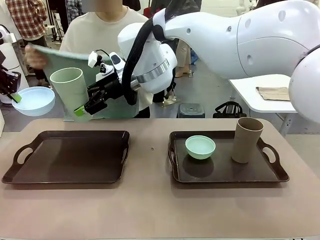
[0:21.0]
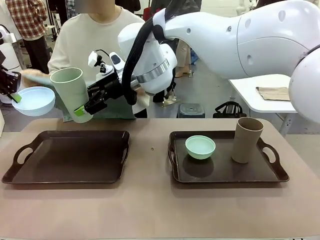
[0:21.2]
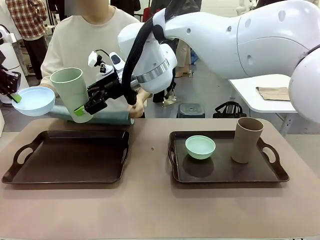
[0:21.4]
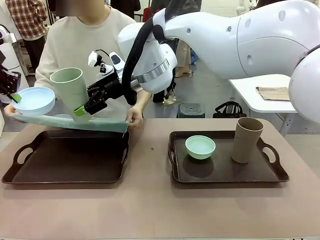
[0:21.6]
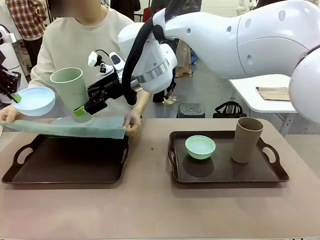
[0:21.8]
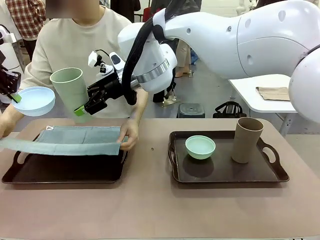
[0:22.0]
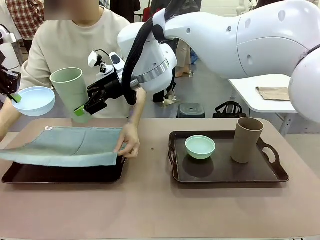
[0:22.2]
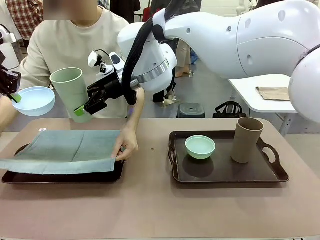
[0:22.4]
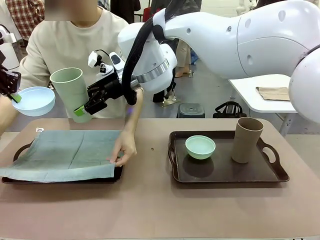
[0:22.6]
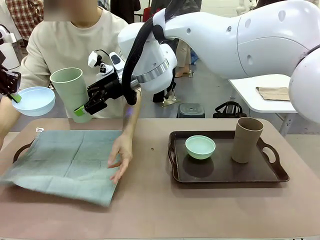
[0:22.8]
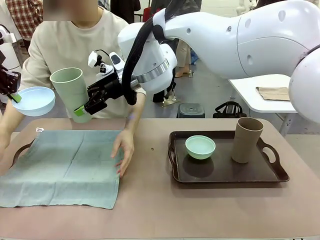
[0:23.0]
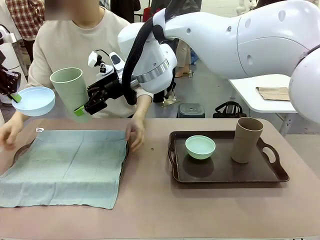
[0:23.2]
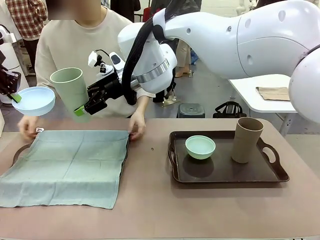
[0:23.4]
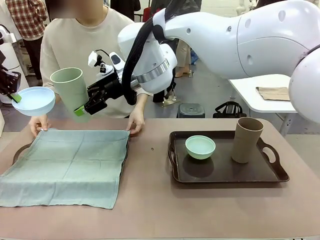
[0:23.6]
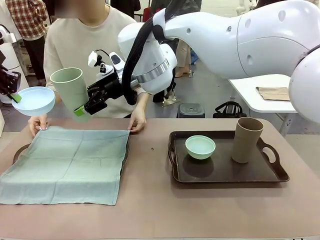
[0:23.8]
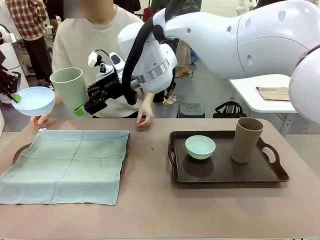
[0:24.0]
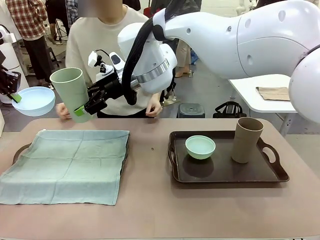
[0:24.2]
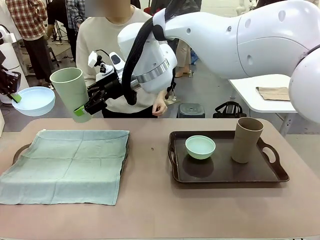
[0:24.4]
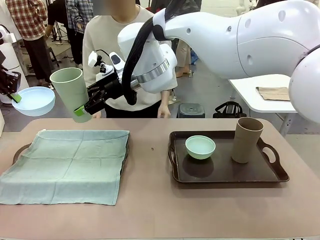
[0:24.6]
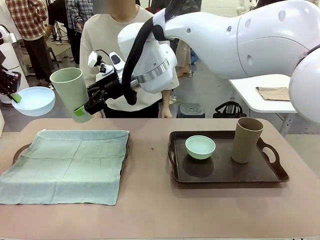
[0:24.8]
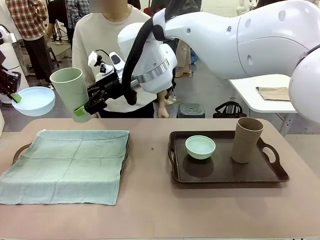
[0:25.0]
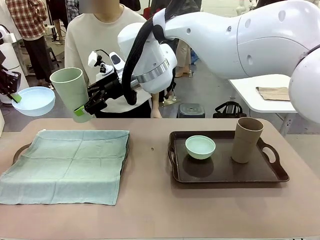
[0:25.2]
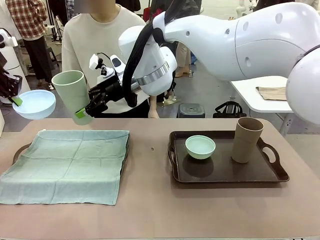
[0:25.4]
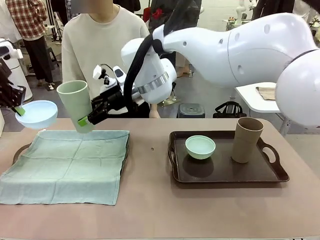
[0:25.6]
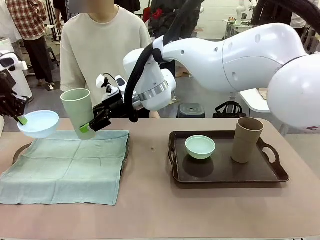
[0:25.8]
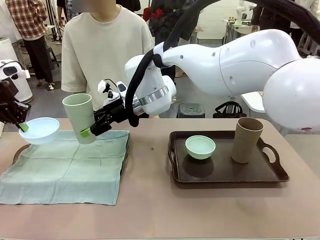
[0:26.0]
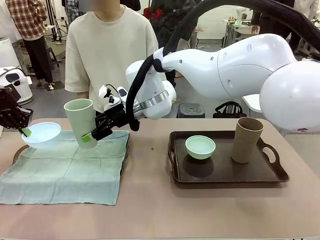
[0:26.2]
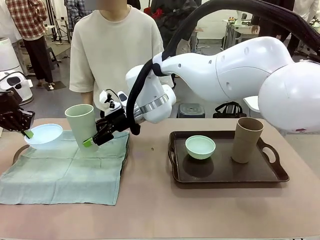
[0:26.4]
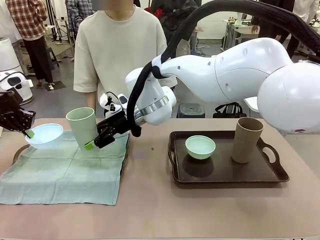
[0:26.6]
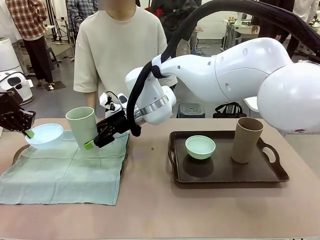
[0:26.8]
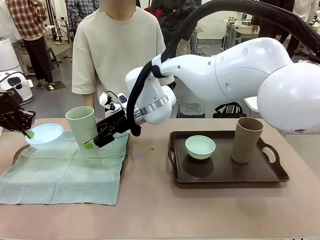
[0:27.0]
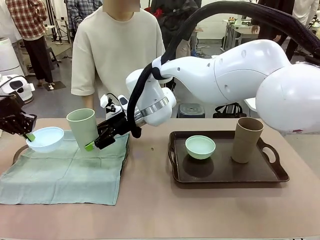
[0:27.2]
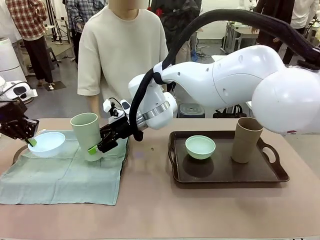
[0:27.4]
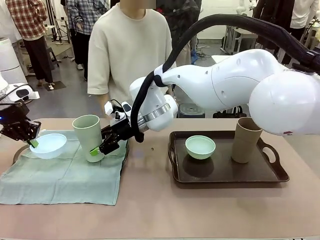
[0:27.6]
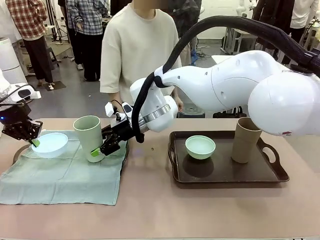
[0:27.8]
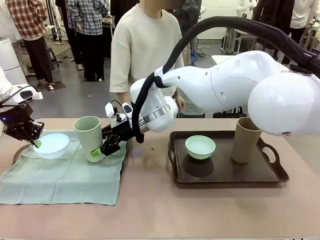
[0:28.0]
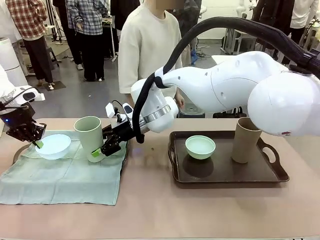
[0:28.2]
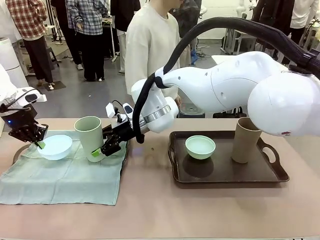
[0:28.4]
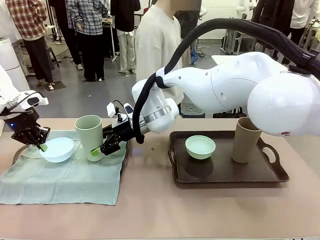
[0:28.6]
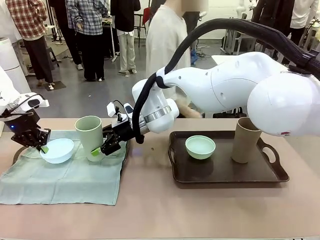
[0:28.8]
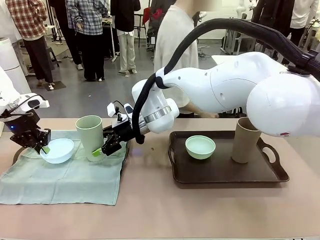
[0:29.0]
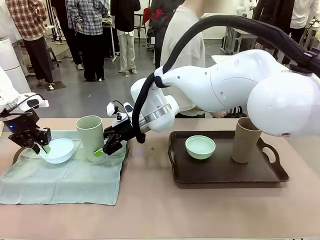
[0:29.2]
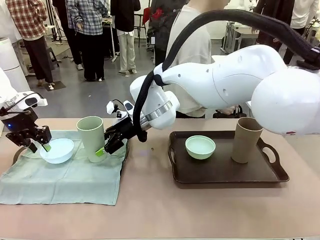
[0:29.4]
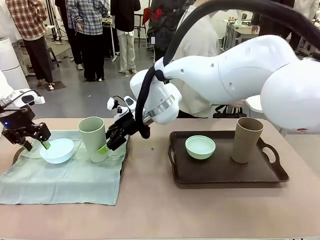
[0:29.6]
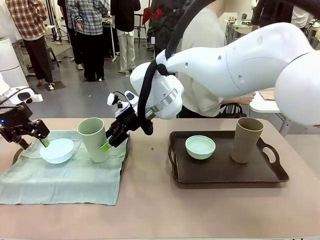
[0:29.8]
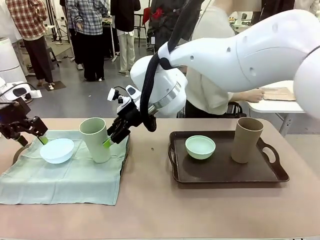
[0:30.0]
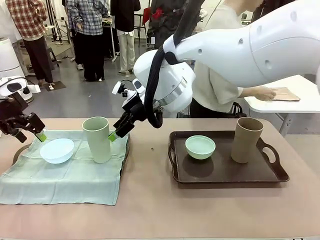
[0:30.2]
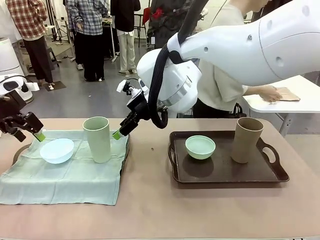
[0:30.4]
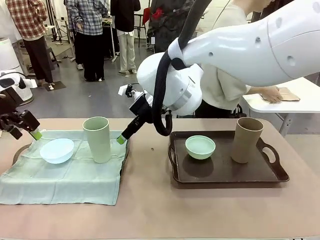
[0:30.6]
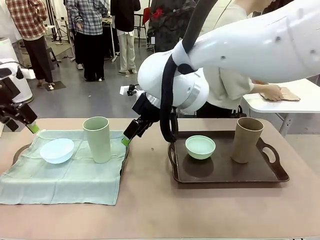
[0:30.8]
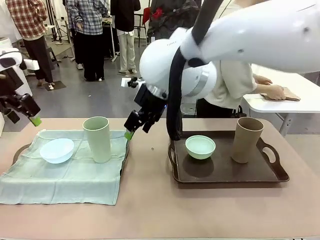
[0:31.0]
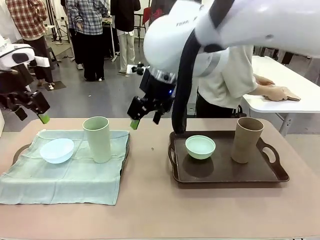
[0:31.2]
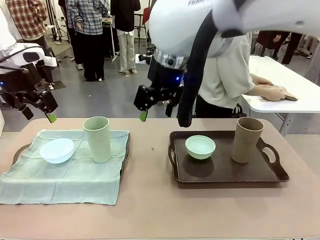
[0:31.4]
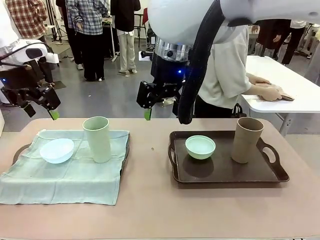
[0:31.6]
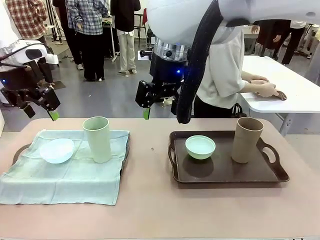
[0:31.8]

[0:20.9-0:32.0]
Robot: Place the Picnic Bowl and Reusable plastic cup back onto the Handle tray in front of the human's position.
Person: The human returns to the human table to pick up another napkin and walks to the robot table to stand in front of the tray without a napkin.

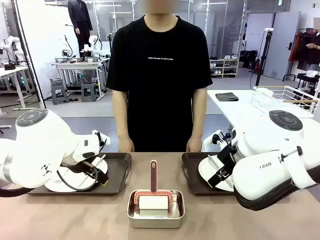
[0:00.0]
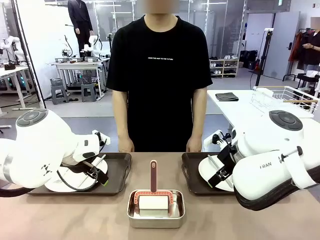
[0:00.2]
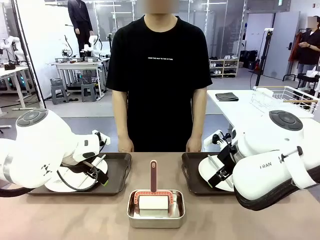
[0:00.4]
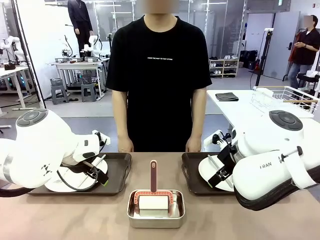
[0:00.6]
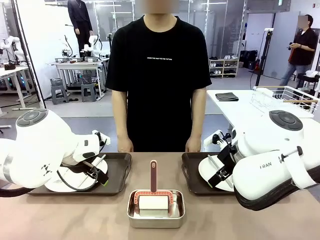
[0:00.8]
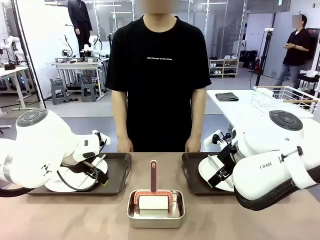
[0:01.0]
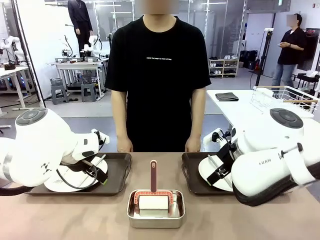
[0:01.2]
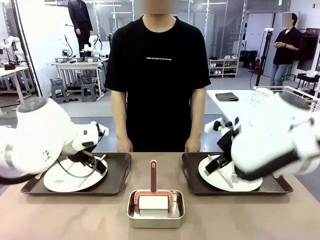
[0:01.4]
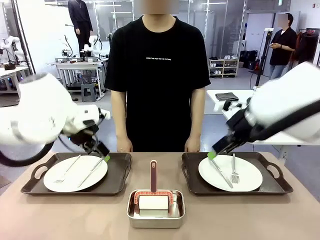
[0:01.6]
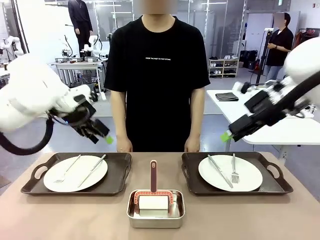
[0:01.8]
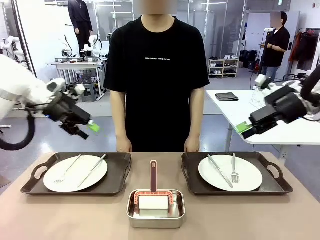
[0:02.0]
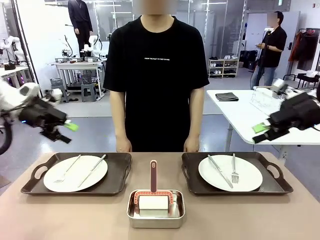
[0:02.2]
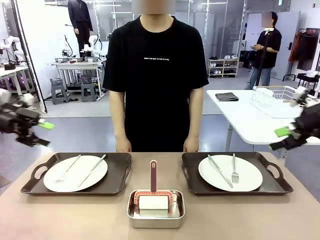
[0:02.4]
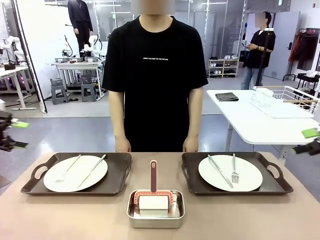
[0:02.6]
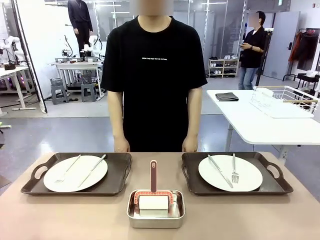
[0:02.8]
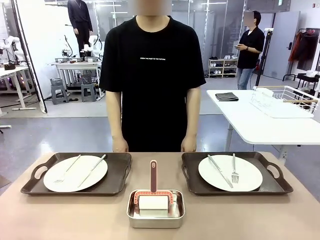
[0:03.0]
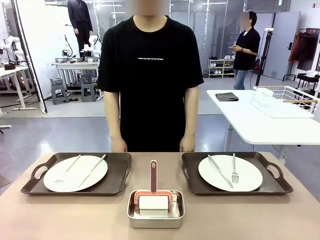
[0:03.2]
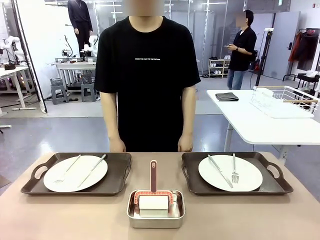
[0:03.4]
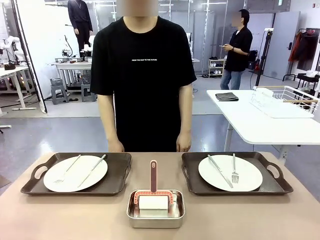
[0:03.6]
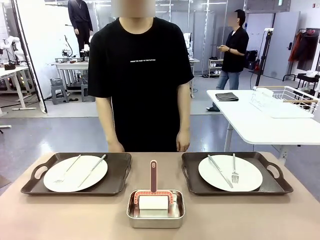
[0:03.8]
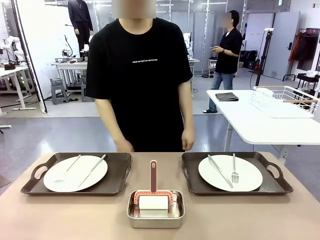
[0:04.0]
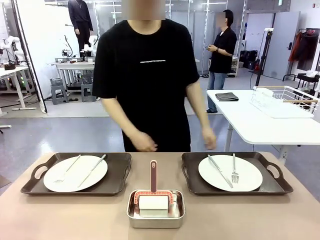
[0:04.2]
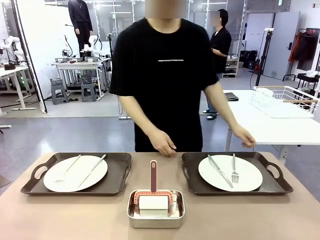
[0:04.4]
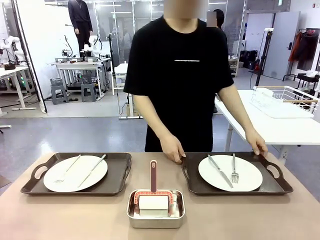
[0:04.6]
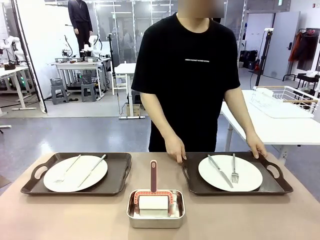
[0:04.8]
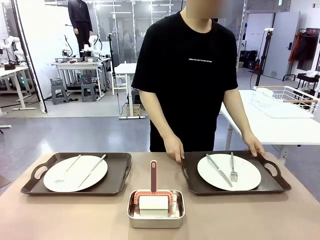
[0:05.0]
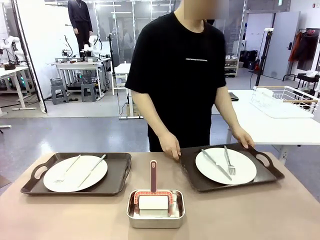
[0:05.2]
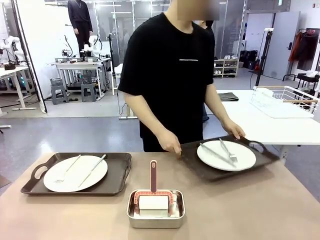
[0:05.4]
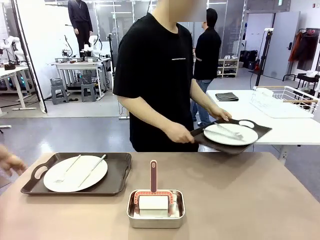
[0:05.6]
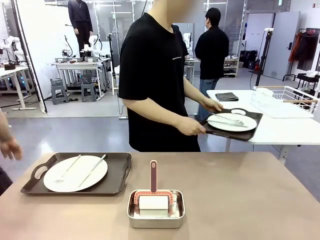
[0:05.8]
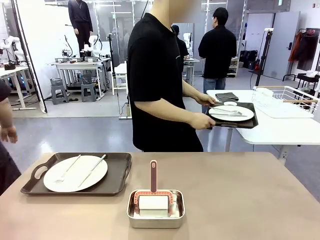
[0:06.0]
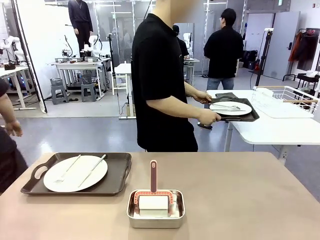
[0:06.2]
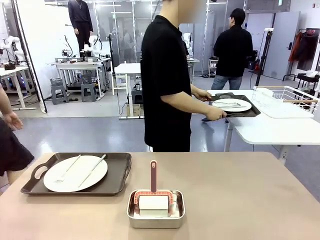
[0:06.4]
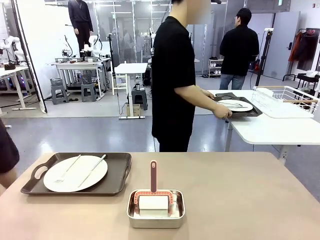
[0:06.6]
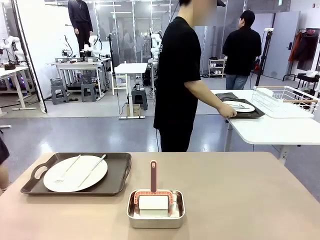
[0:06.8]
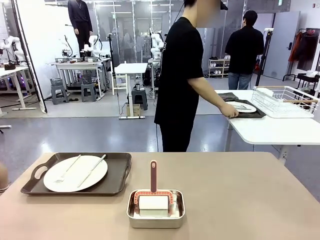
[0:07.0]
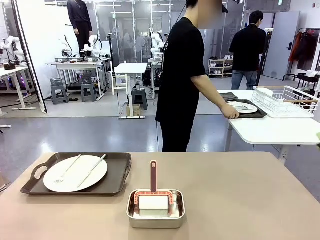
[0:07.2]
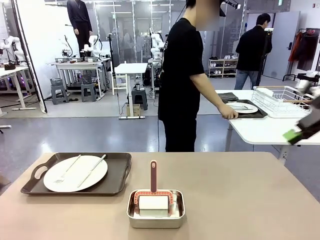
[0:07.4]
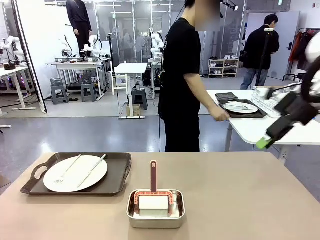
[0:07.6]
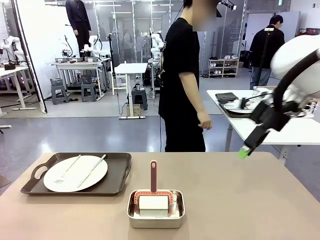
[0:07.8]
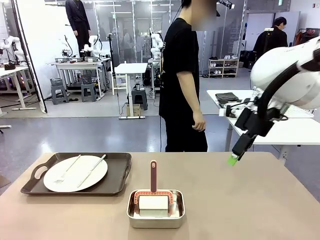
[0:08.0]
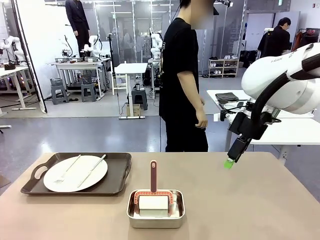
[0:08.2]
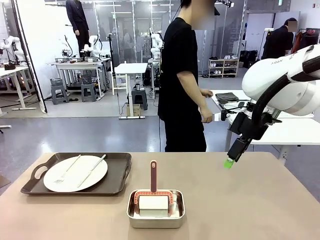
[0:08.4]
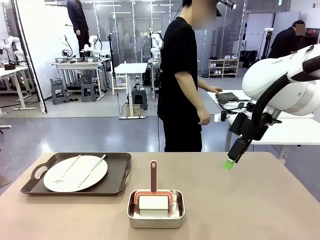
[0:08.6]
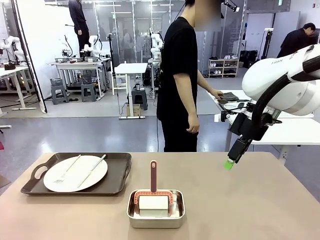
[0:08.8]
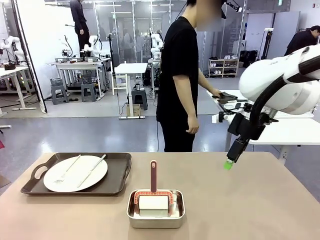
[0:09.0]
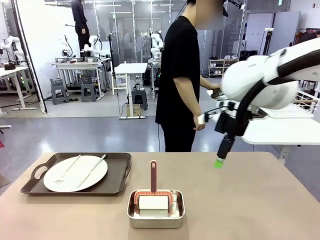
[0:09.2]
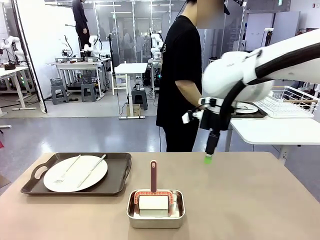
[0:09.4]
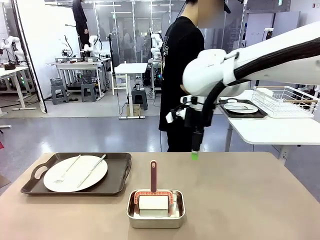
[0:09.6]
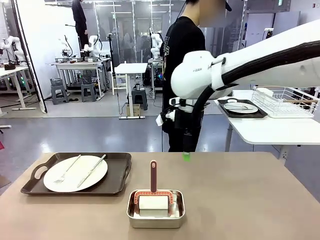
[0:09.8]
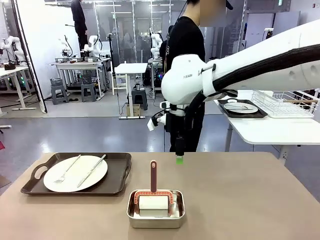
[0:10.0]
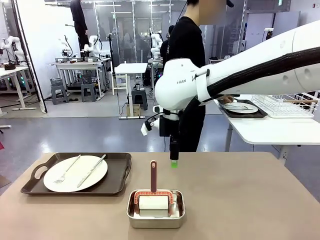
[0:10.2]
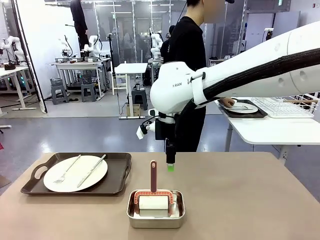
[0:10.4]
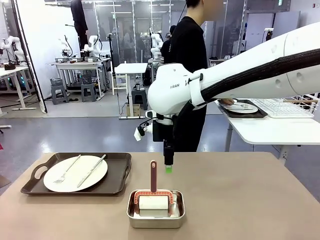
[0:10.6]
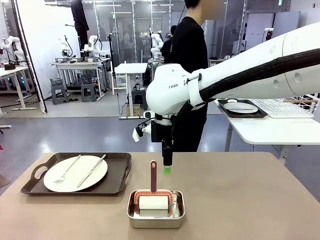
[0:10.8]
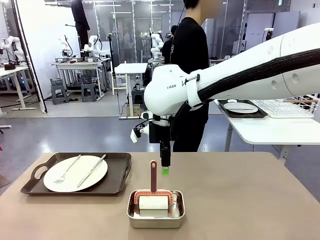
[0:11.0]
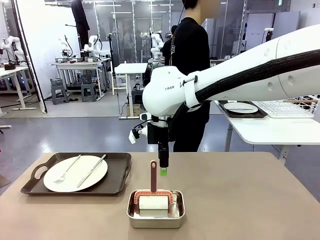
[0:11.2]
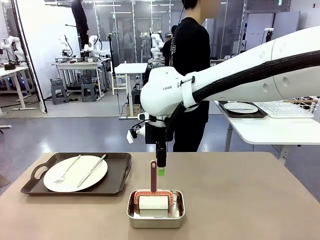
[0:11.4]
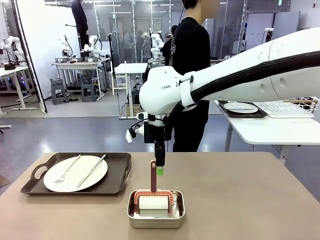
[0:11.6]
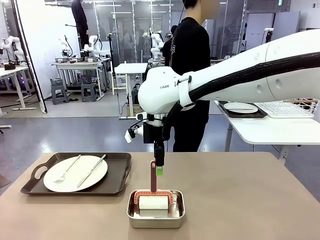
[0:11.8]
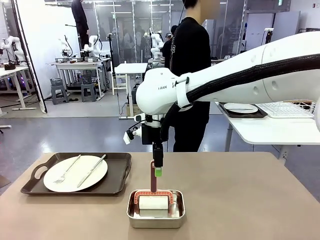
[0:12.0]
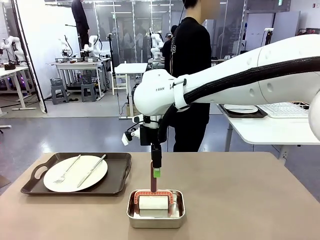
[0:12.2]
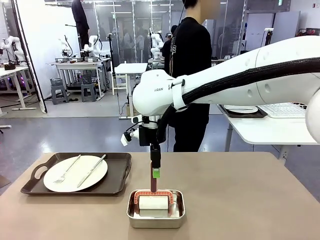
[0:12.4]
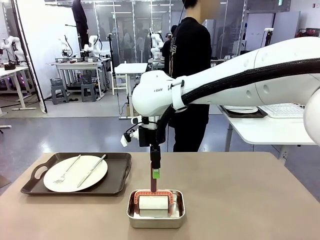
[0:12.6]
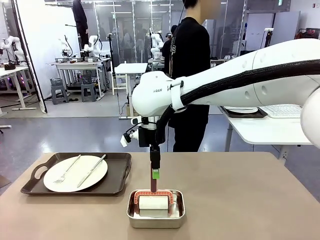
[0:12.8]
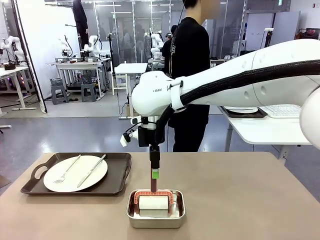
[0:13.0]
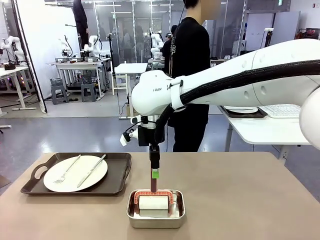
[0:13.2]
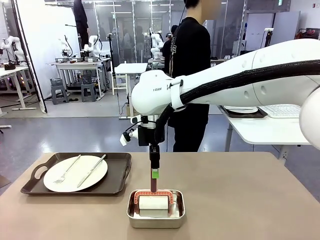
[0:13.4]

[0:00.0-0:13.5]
Robot: When the left (or right) Handle tray is removed, use the left hand (or right hand) to clean the left (or right) side of the table with the Lint Roller.
Person: Pick up the left (or right) Handle tray and place it on the middle of the Human's table.
